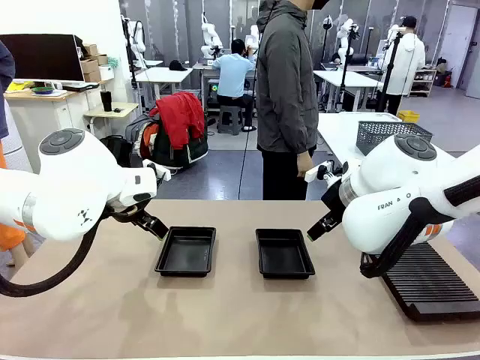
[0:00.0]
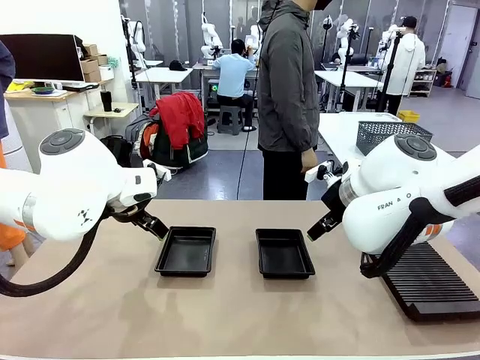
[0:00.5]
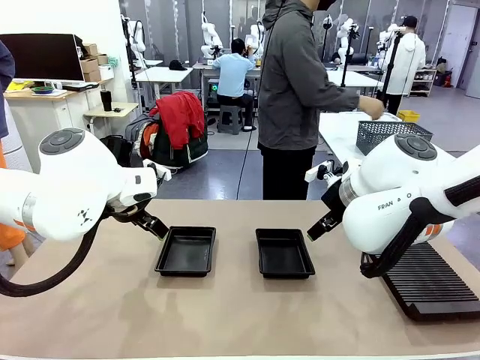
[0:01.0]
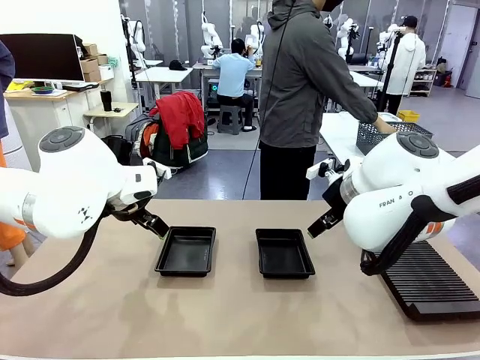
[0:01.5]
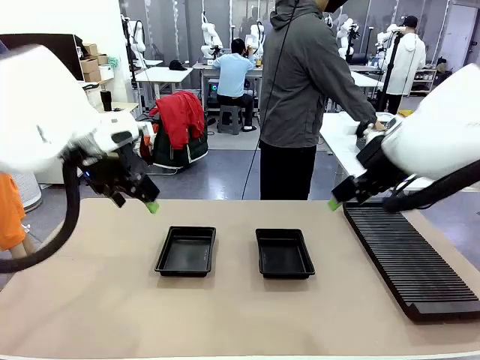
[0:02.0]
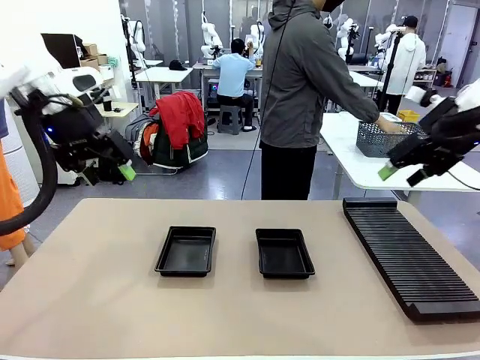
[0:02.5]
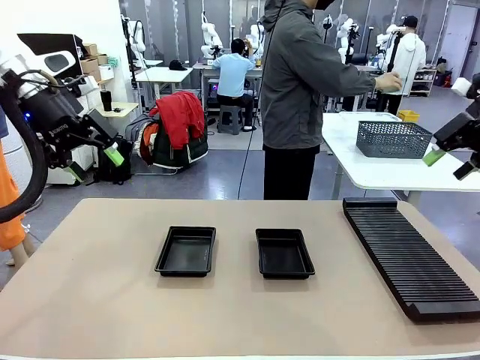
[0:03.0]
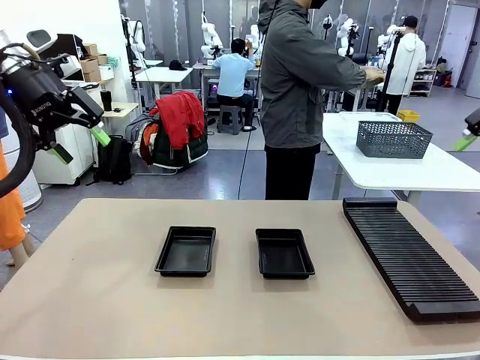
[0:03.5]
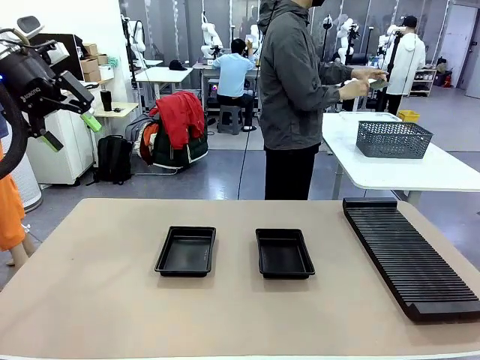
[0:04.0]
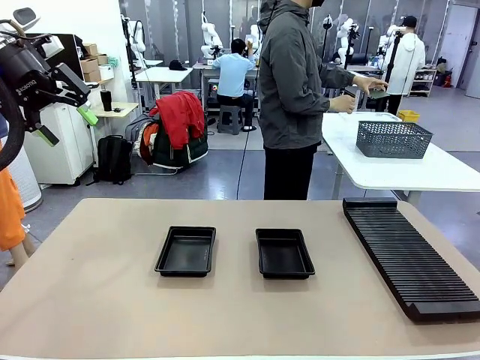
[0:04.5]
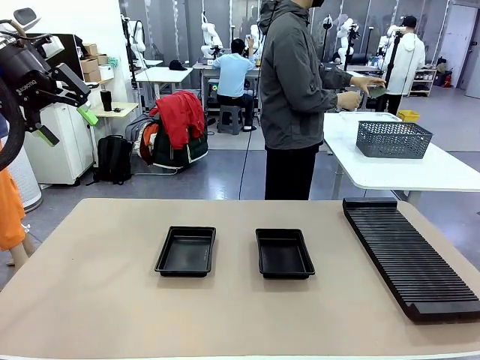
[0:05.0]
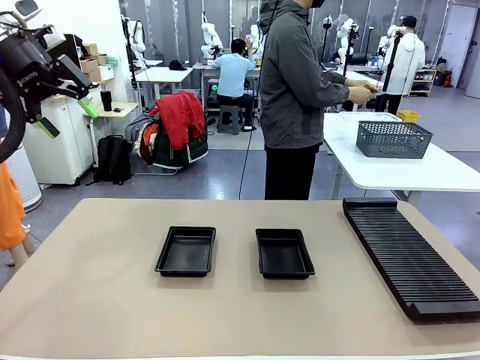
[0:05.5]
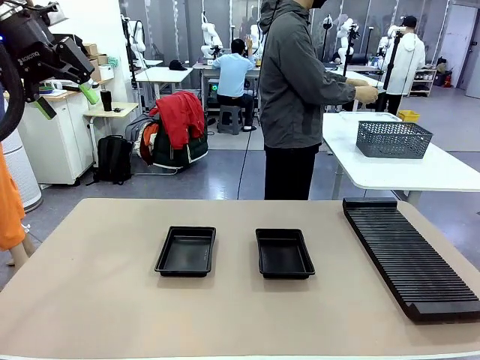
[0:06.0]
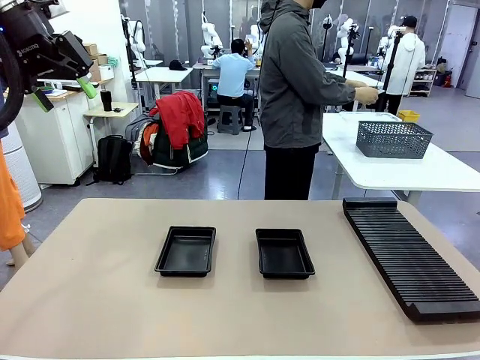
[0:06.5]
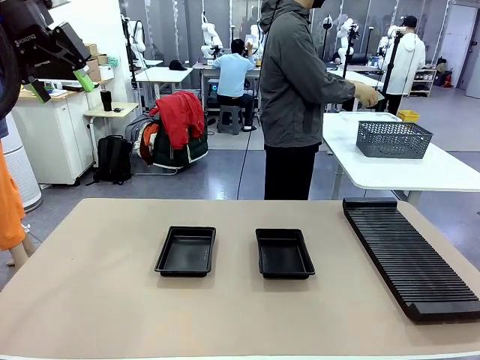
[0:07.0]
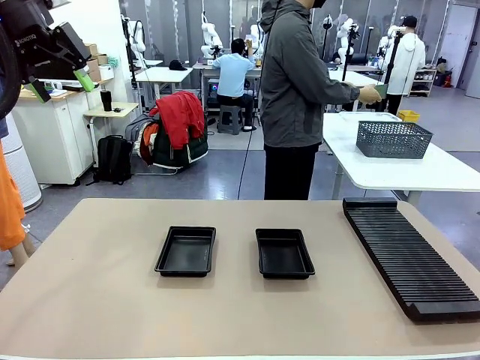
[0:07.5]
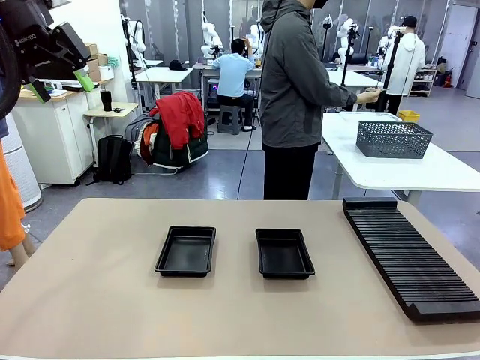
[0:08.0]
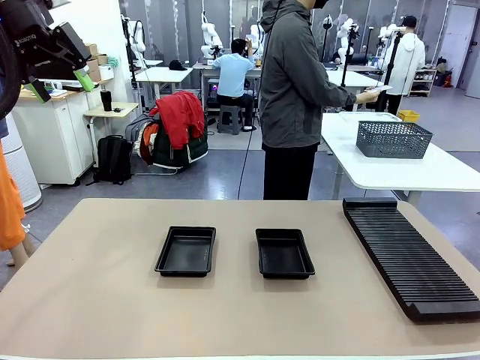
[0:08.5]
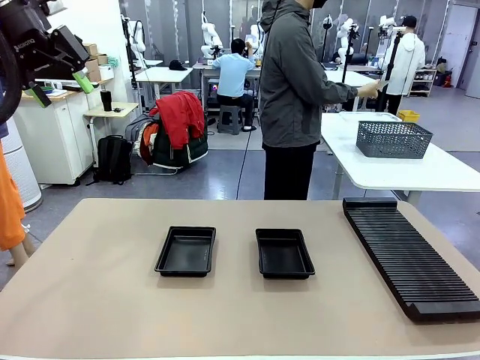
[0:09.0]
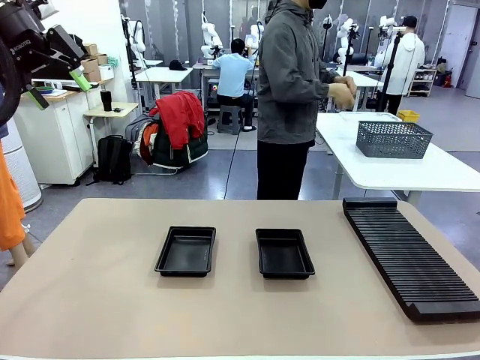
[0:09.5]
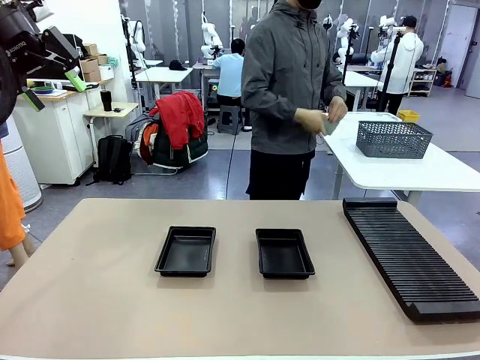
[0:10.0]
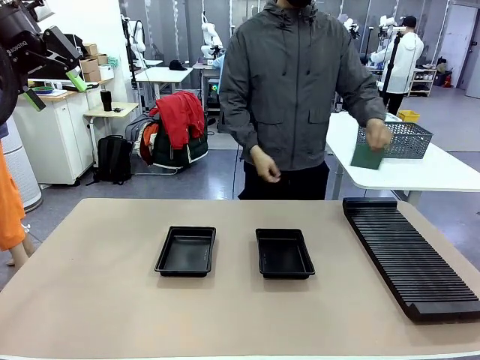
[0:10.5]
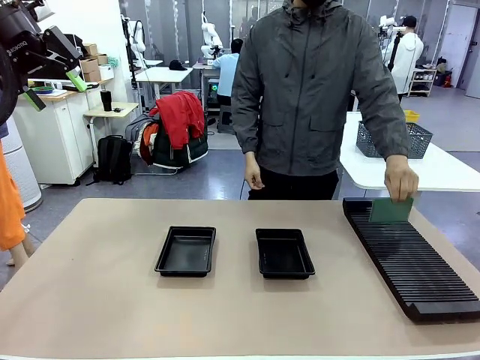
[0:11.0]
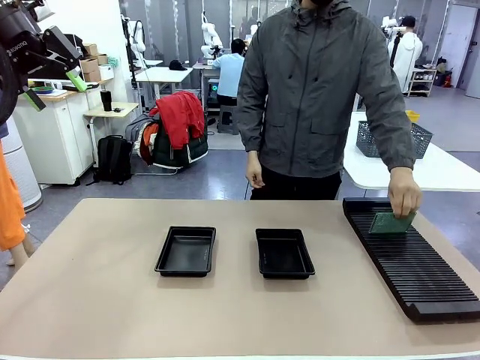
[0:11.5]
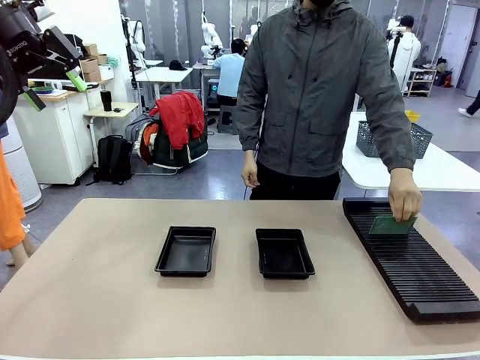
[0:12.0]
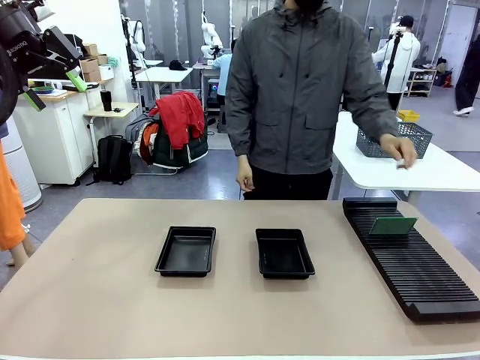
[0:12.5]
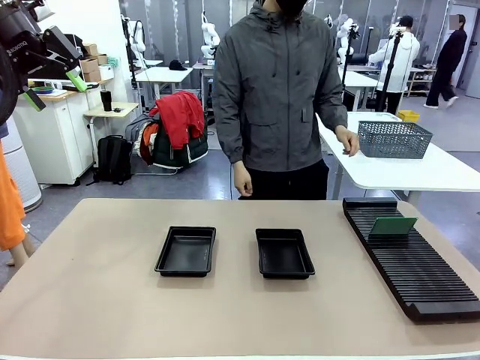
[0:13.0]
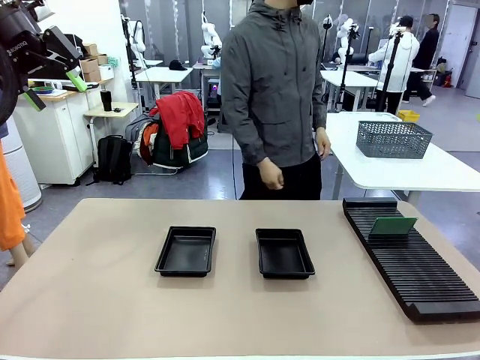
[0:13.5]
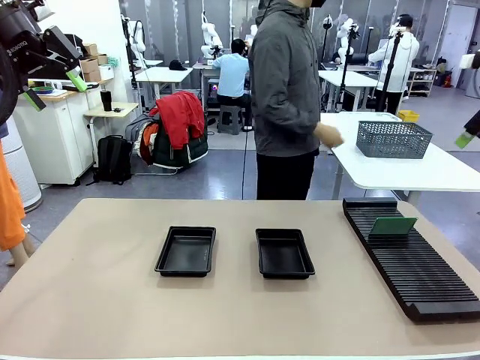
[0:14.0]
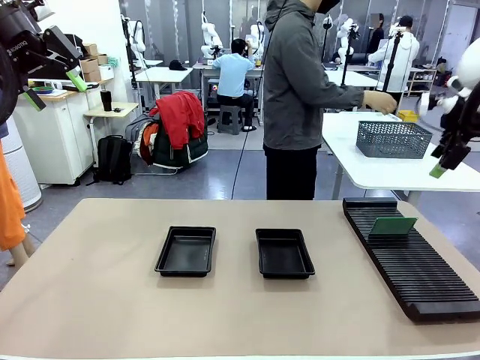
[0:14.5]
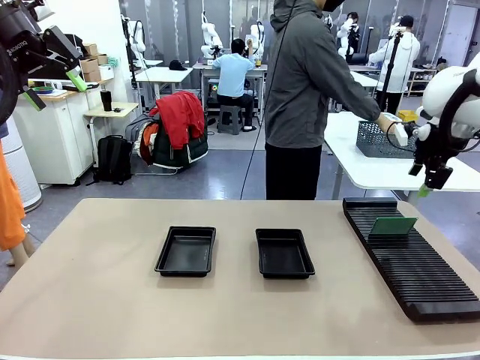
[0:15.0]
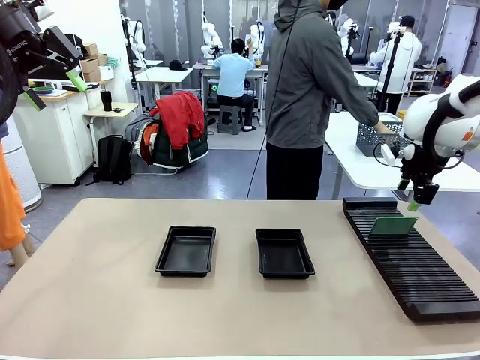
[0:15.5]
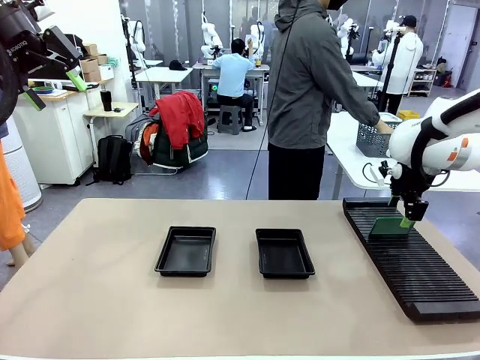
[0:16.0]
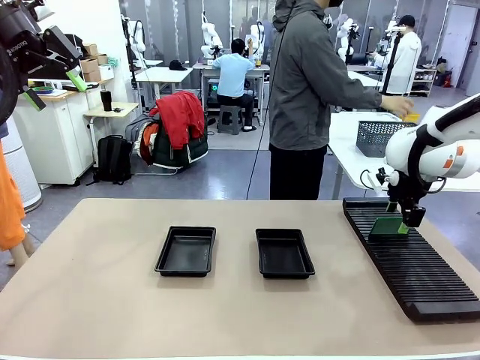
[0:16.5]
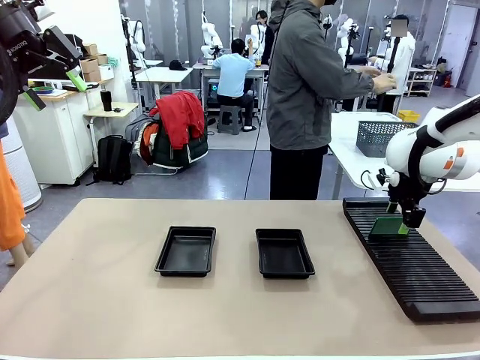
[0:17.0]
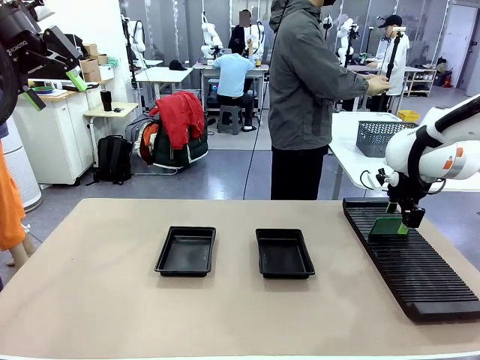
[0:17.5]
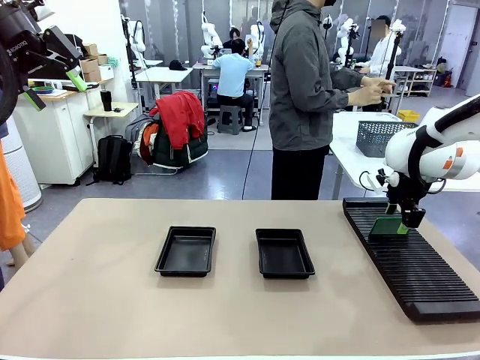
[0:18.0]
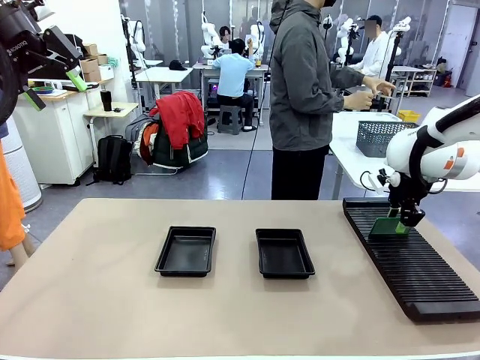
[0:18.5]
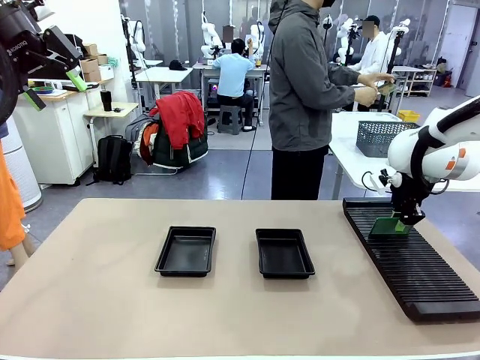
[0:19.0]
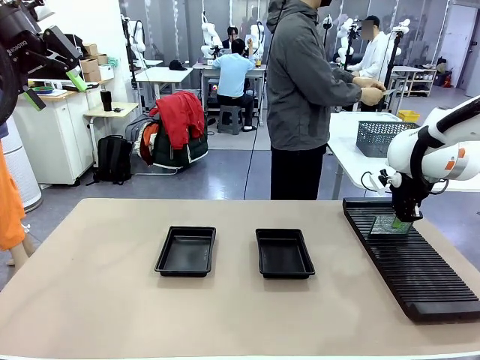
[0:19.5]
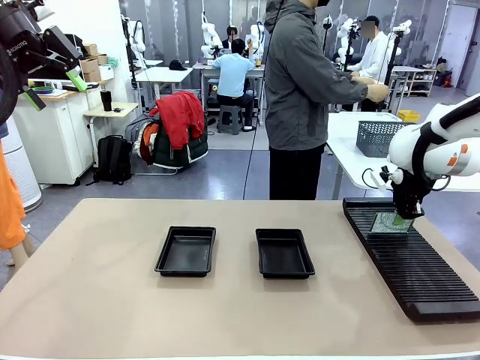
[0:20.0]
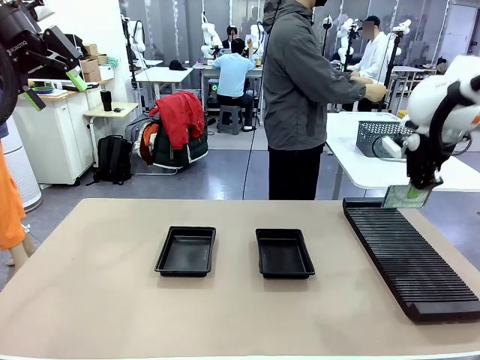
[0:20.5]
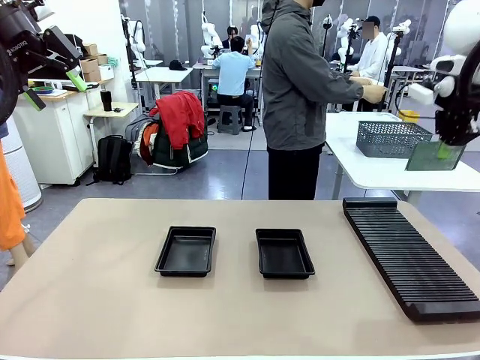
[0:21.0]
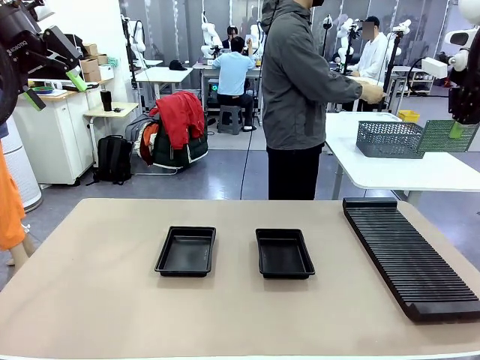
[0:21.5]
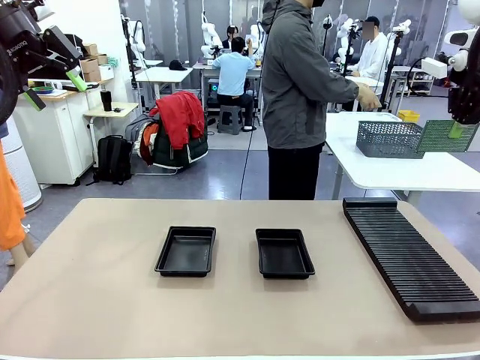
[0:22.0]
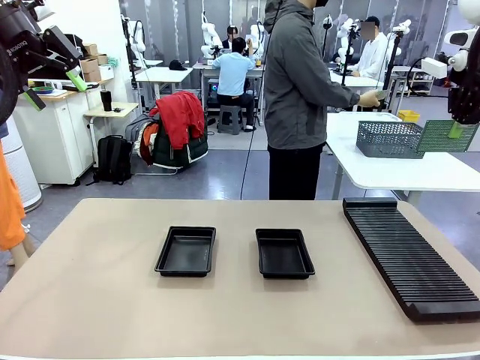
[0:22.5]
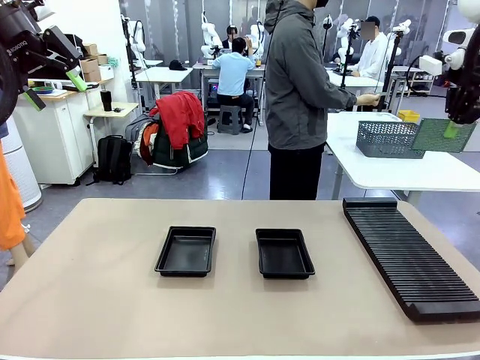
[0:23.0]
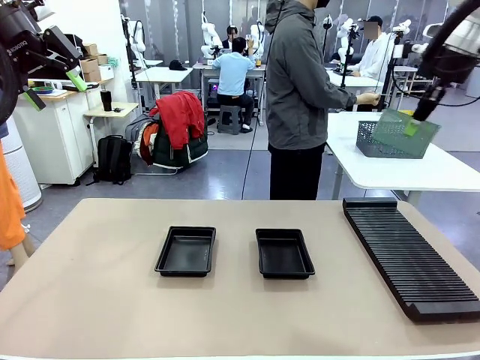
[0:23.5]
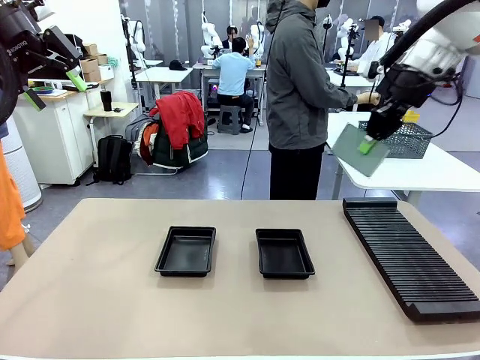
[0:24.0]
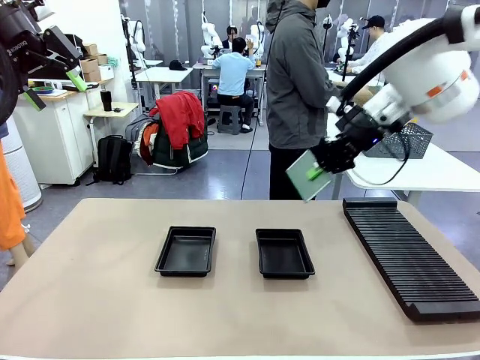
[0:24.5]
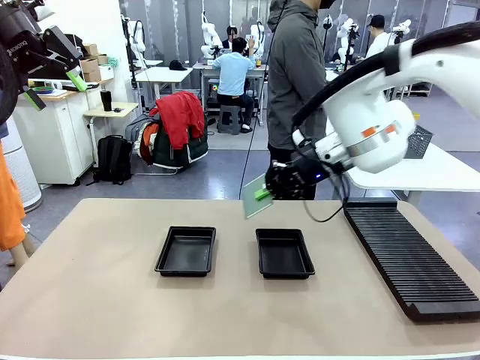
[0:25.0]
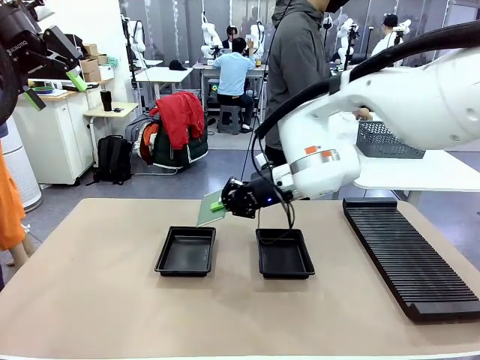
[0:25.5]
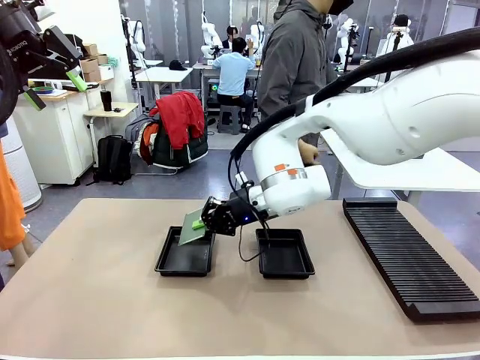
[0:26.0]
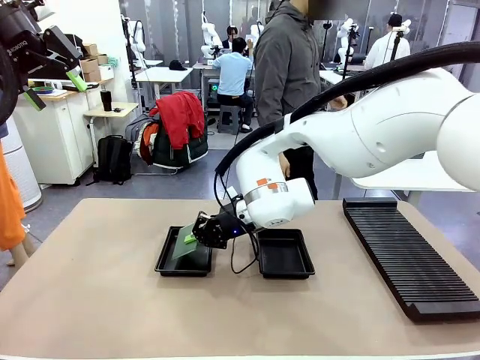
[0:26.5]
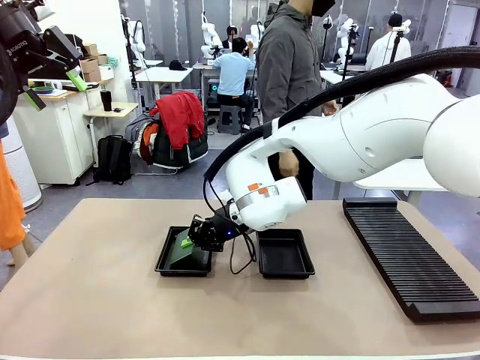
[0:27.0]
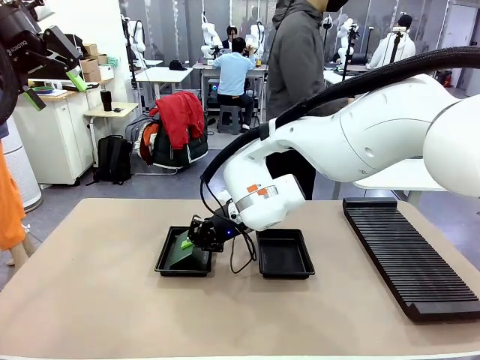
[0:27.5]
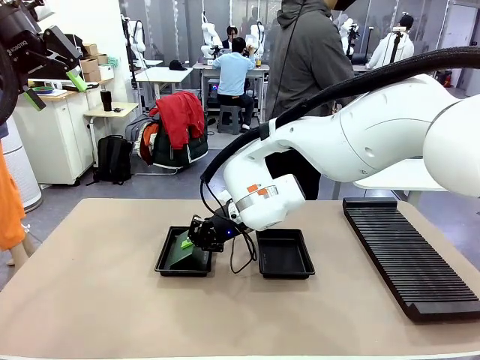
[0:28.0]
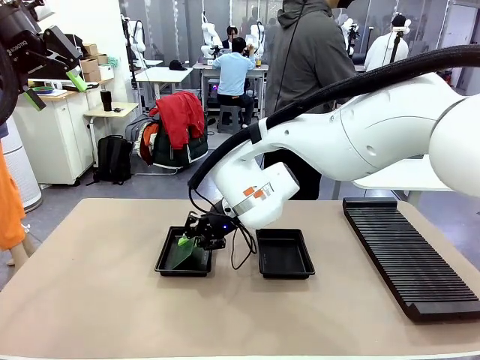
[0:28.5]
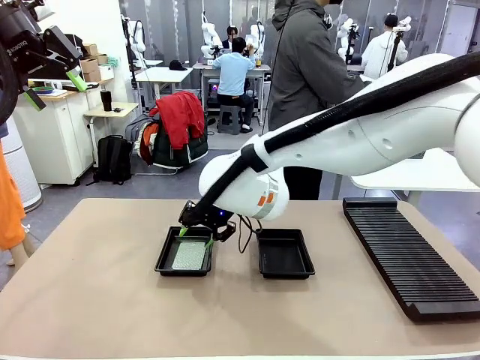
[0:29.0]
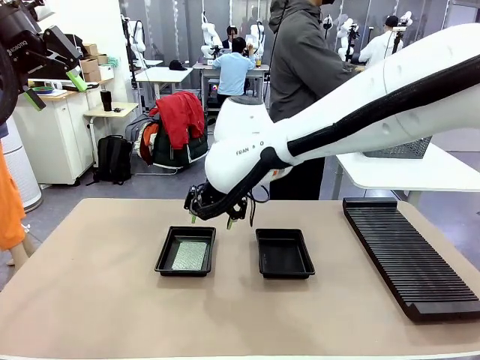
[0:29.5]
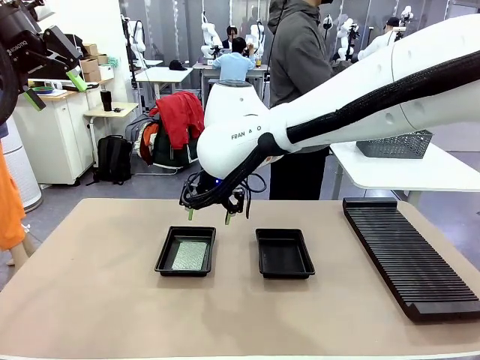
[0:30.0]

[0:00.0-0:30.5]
Task: Inspect and transfer BCBs to ESD trays.
Robot: Pick up the Blank PCB from the PCB Rack and place it in the left ESD tray.
